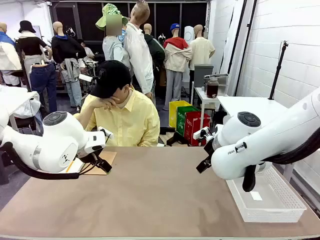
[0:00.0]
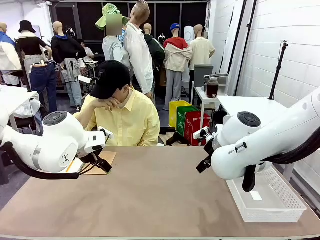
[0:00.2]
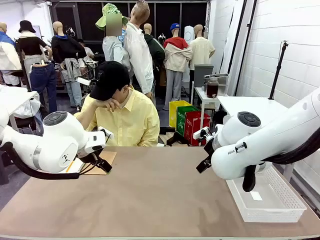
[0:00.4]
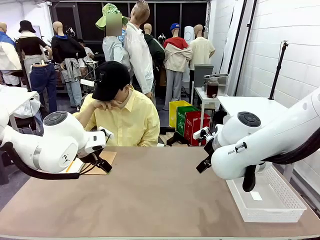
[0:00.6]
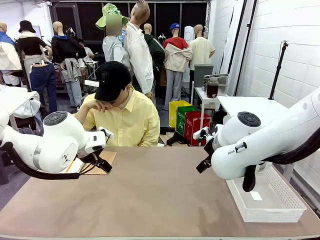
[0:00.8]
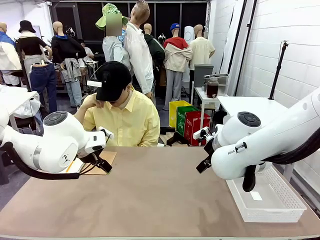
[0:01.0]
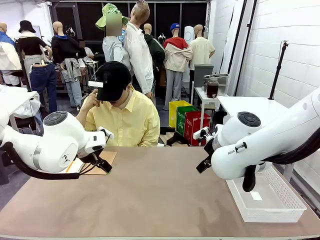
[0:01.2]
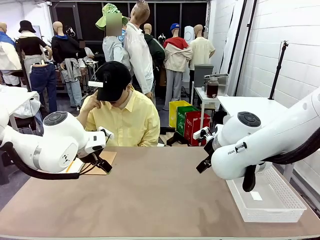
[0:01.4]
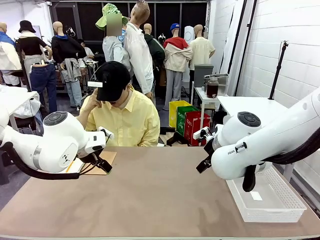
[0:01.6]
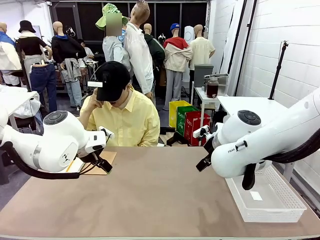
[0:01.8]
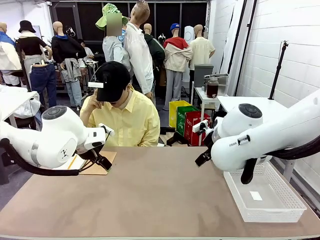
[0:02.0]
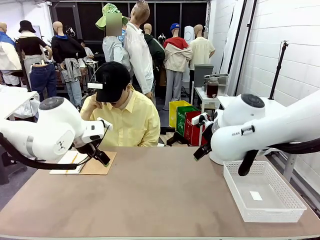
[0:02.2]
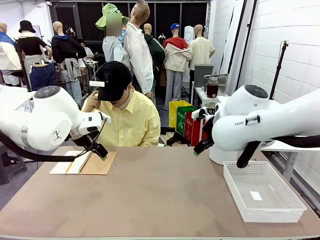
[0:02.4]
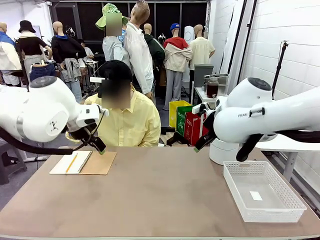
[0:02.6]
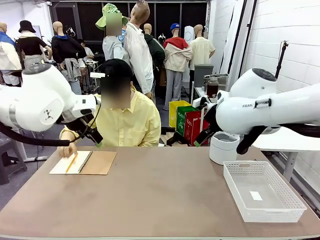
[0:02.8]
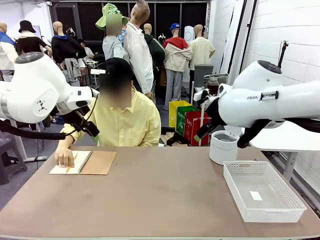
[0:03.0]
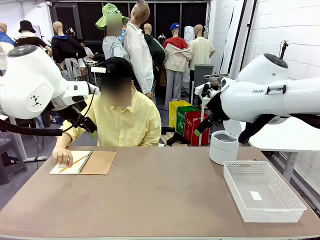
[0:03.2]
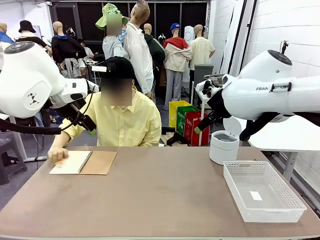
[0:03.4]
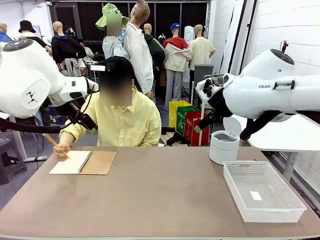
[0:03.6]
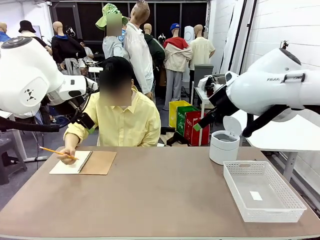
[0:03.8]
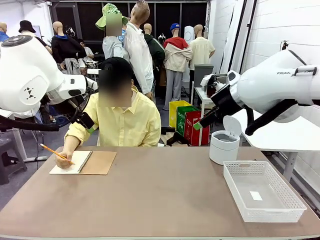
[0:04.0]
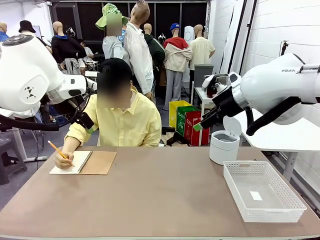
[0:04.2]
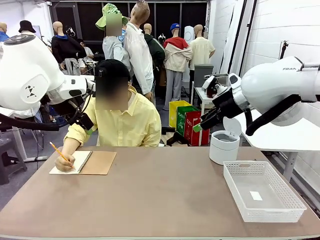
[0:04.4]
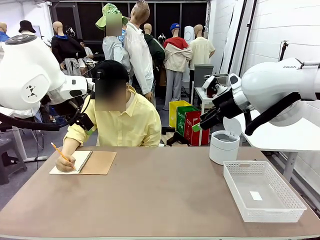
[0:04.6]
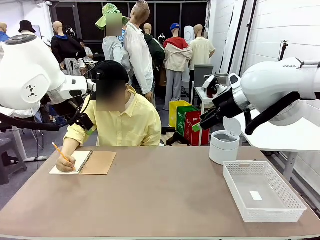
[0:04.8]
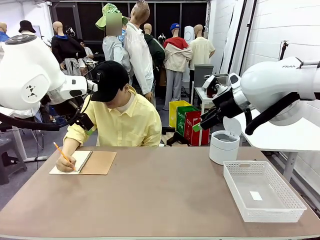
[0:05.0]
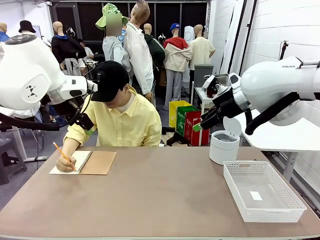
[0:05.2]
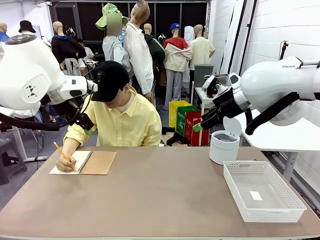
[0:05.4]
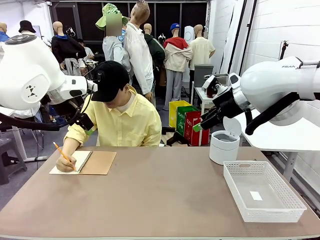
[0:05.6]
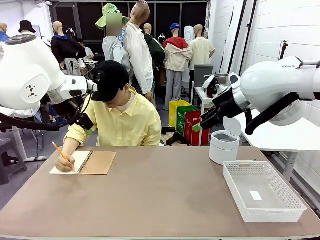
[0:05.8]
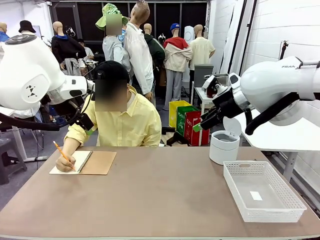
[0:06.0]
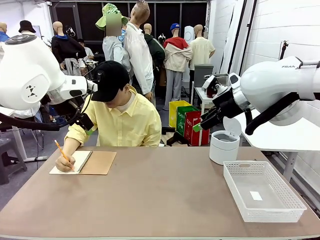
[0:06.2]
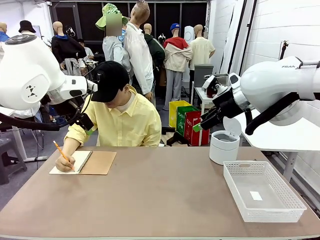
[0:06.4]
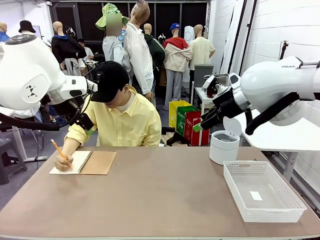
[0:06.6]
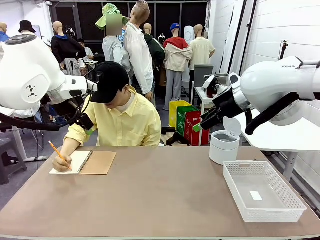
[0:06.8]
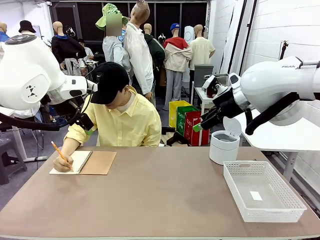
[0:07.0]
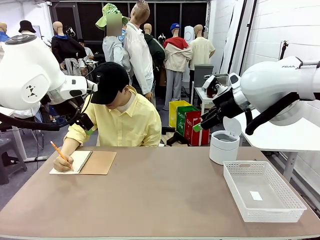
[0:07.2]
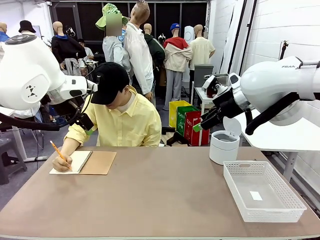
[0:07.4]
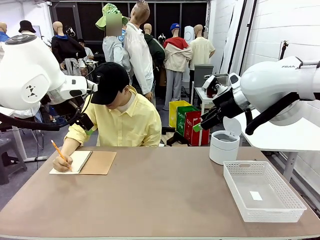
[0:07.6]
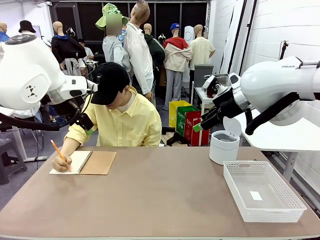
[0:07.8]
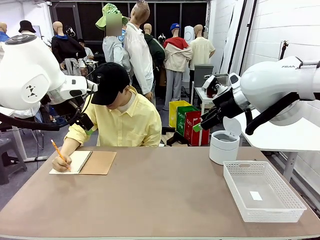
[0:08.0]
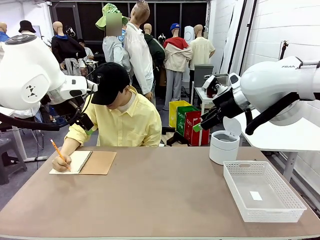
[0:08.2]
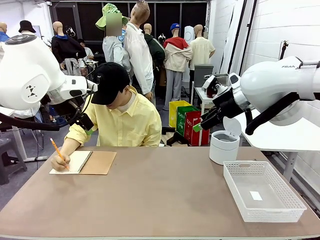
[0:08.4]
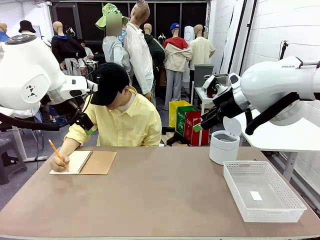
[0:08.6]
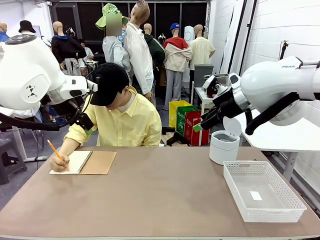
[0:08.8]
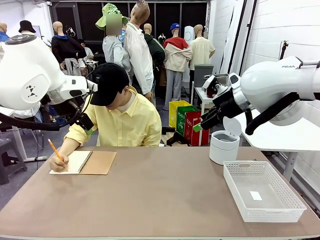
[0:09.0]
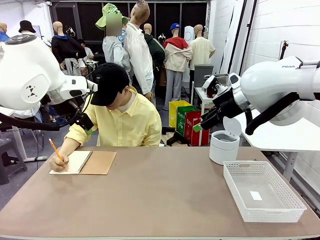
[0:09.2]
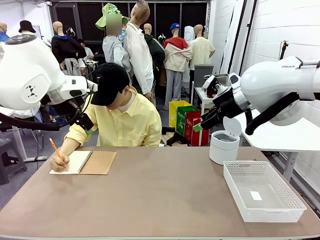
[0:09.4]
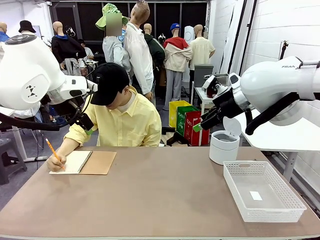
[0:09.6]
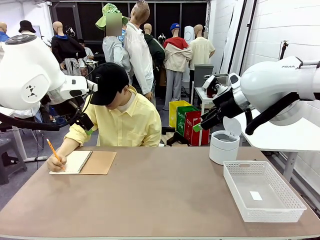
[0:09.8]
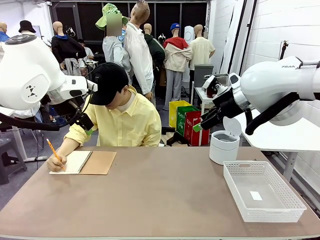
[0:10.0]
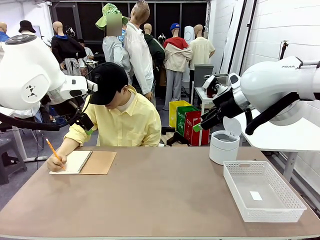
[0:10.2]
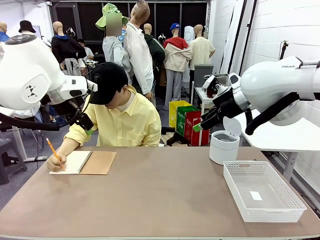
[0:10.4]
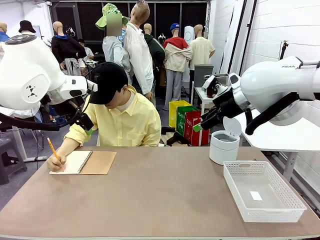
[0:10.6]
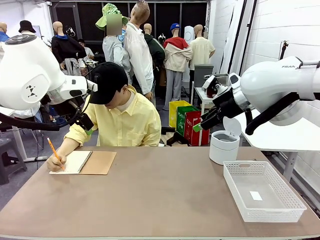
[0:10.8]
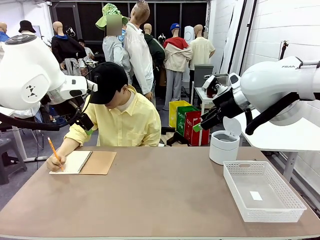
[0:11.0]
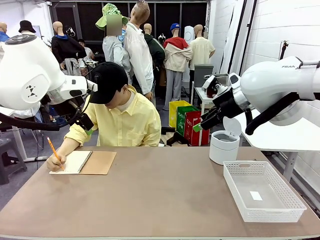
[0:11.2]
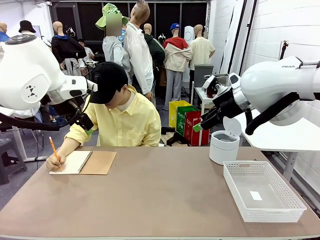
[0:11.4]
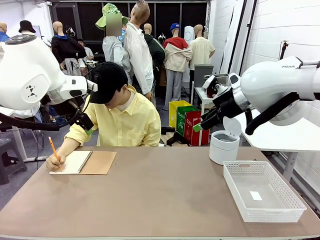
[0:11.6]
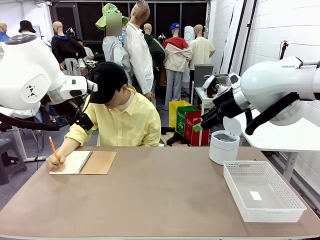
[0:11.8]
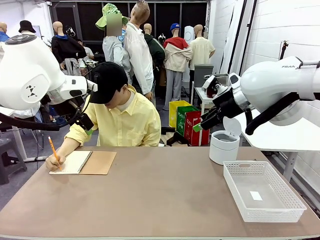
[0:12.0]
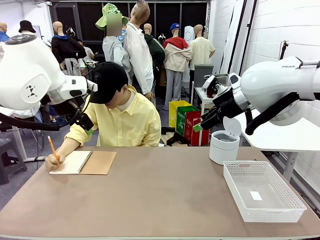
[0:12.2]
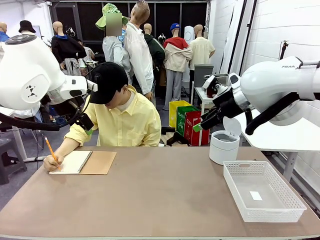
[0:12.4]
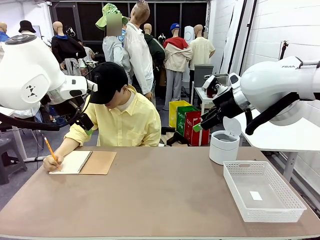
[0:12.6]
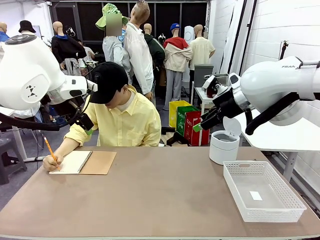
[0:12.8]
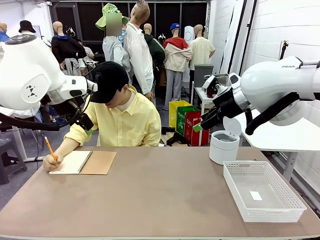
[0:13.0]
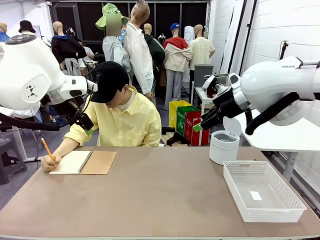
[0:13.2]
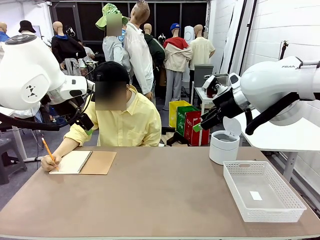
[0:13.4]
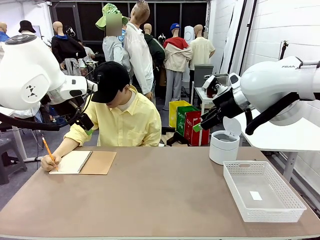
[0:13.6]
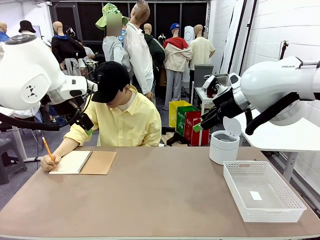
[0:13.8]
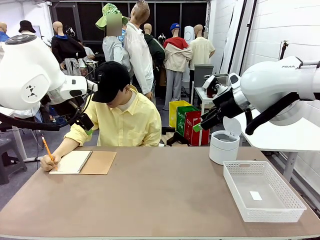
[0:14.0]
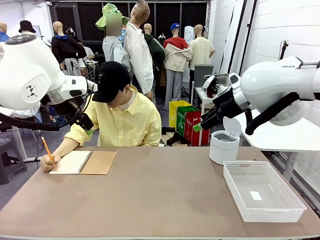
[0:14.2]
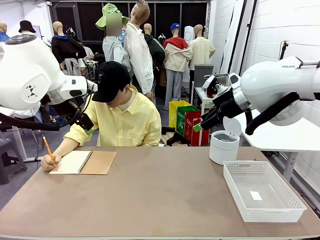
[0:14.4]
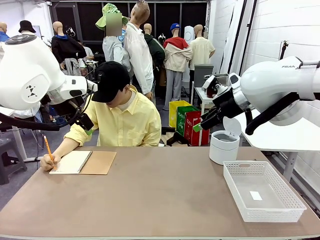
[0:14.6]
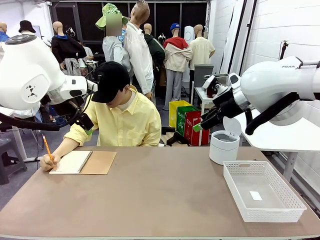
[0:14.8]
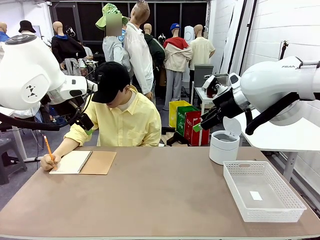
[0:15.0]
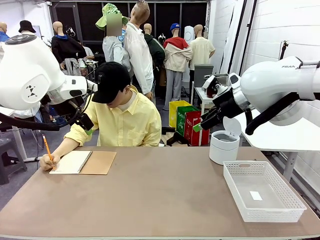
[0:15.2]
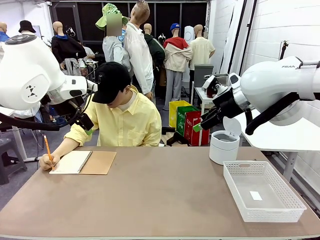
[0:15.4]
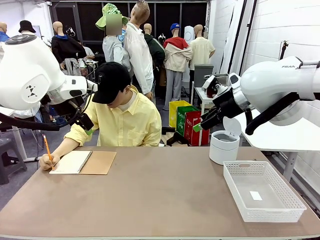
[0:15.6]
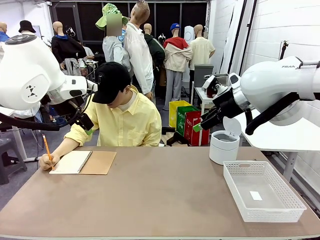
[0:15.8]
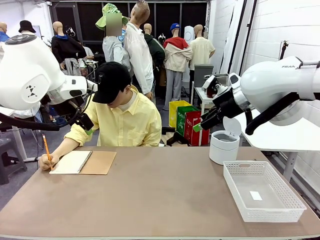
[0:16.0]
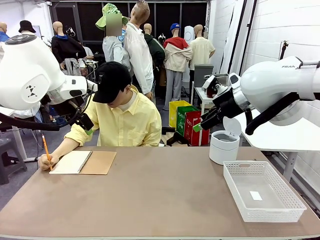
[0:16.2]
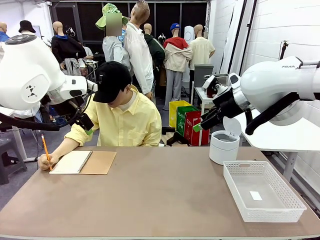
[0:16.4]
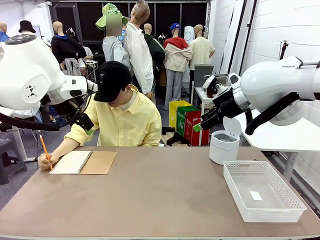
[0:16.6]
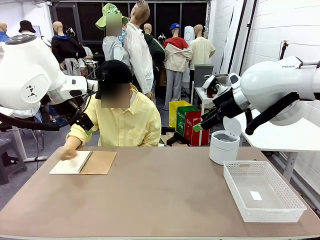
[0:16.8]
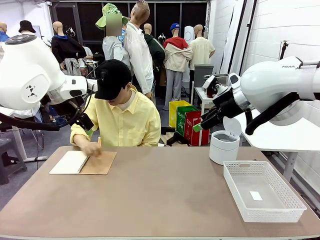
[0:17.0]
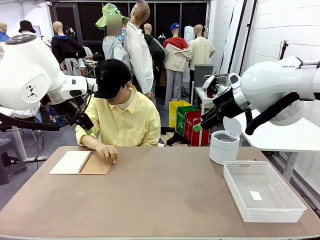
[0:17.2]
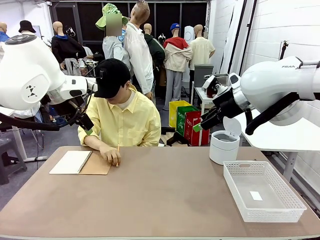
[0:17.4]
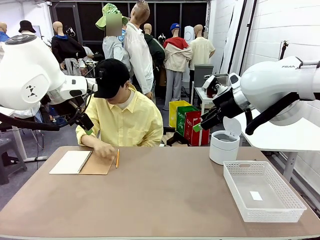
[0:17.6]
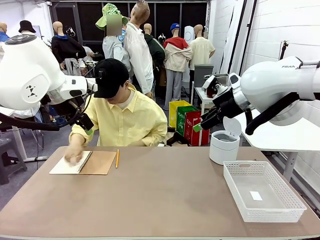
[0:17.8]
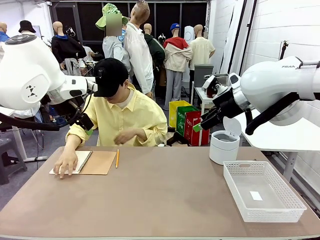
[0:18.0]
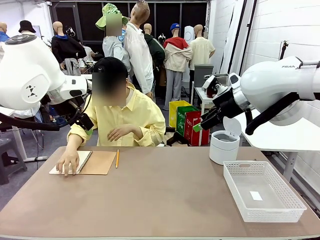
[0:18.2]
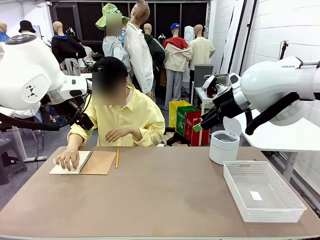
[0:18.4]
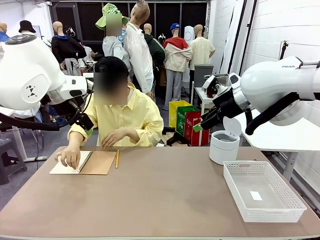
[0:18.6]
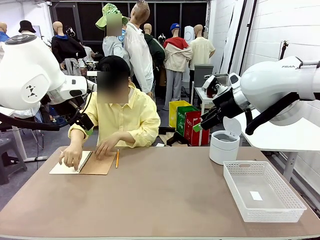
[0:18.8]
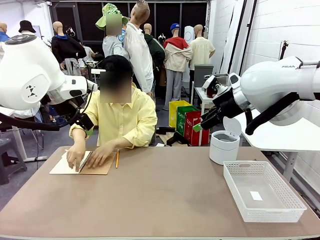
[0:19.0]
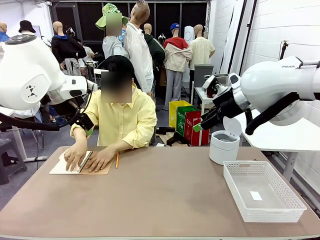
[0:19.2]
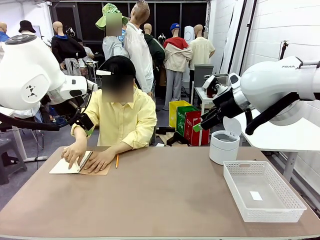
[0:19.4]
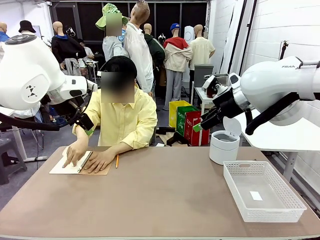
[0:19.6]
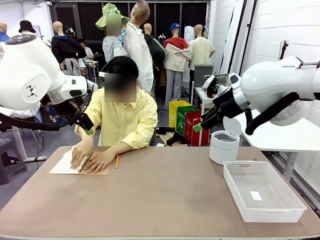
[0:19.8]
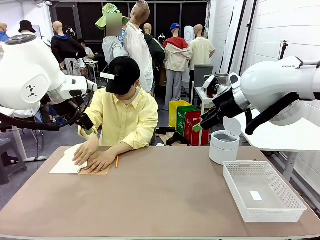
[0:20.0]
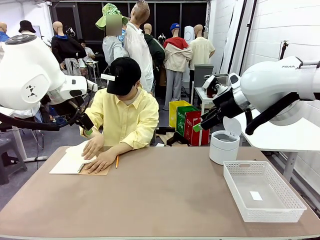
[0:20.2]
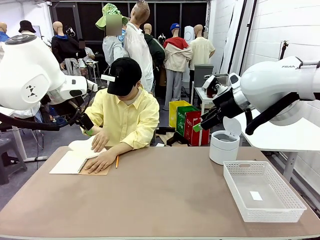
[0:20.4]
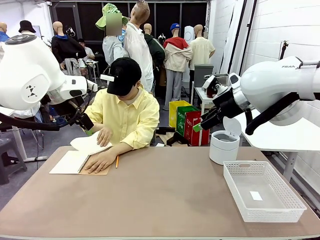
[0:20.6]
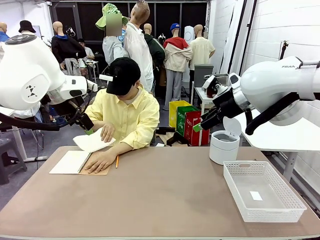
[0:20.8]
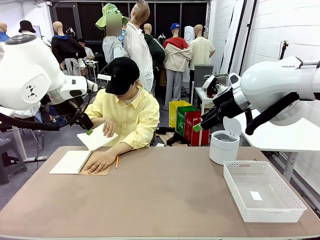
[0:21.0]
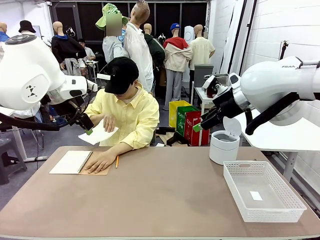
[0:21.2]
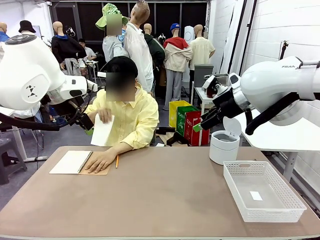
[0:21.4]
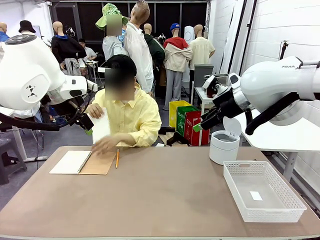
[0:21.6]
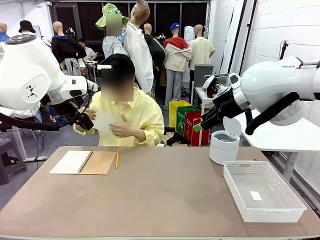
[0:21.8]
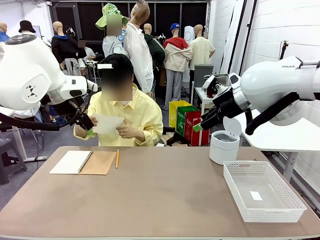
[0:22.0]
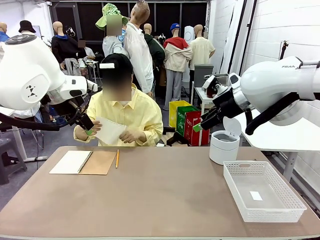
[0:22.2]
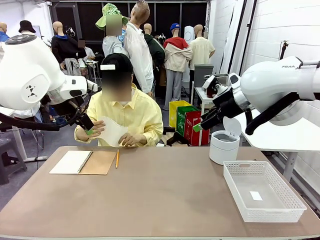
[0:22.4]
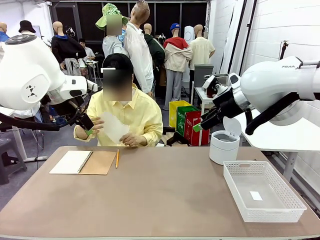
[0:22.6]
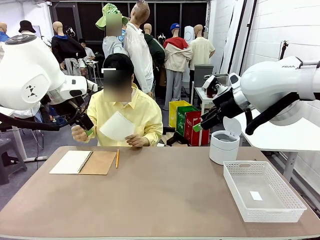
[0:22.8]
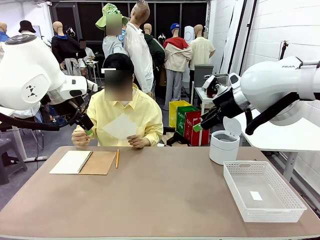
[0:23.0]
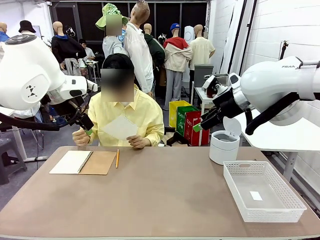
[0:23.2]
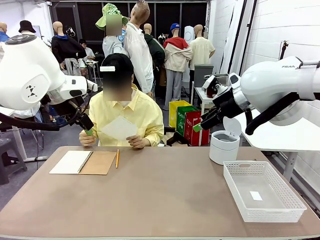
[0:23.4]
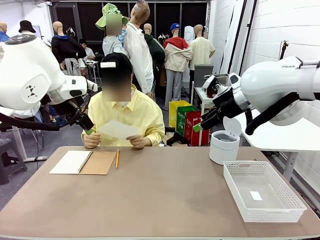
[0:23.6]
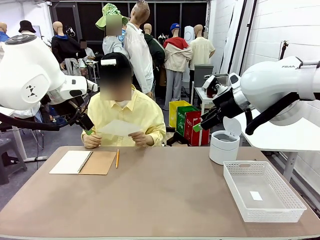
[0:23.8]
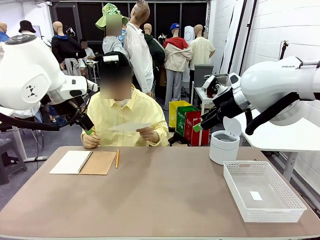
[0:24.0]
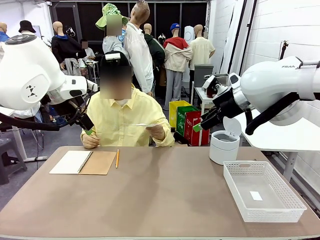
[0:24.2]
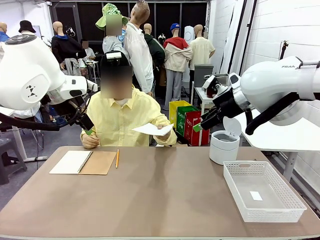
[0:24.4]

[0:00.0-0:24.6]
Task: Sort the paper based on its condition.
Robot: If a person hands you a paper, place it in the Organizing basket , and if it's crumpled, put it in the Trash can.
Person: Tear out a page from the spiral notebook. Hand the torn page to the robot or crumple it and throw it to the center of the table.
